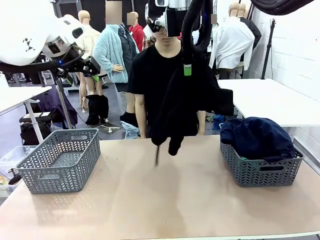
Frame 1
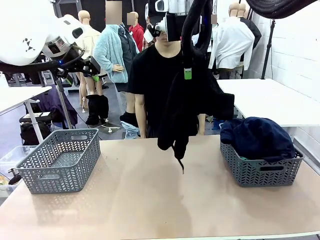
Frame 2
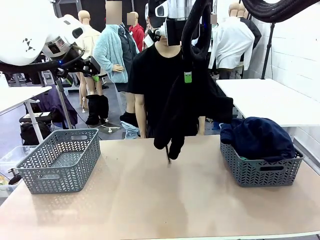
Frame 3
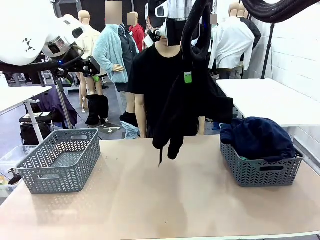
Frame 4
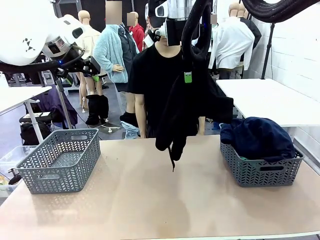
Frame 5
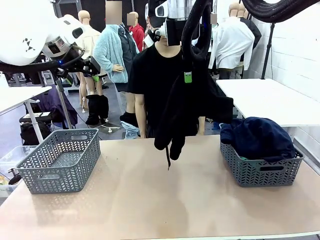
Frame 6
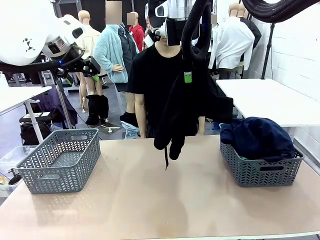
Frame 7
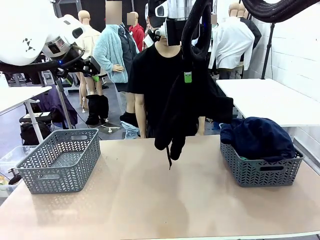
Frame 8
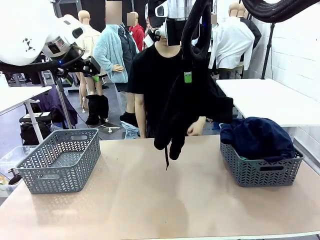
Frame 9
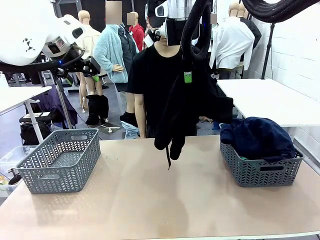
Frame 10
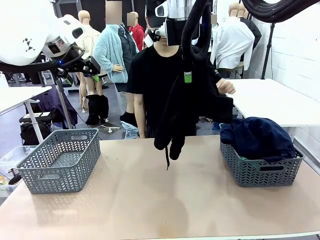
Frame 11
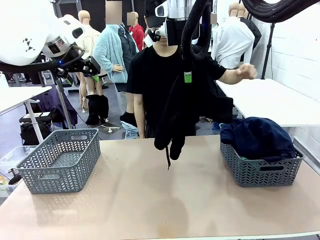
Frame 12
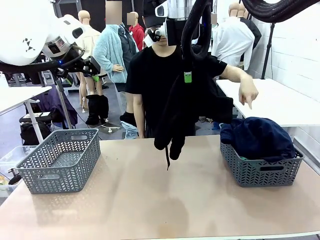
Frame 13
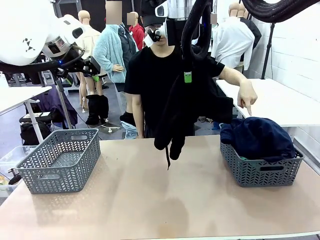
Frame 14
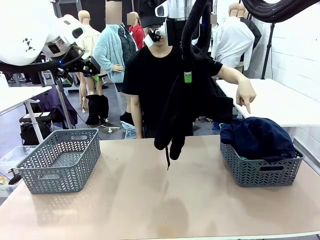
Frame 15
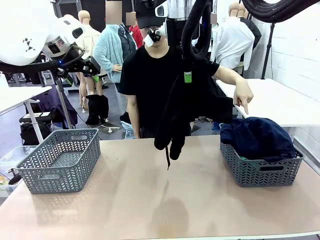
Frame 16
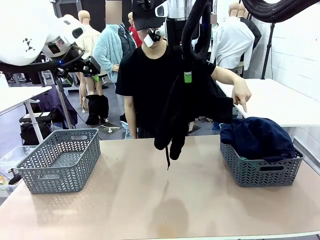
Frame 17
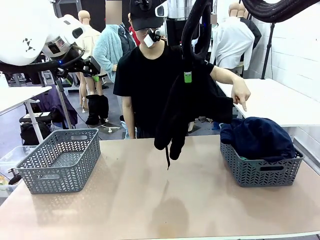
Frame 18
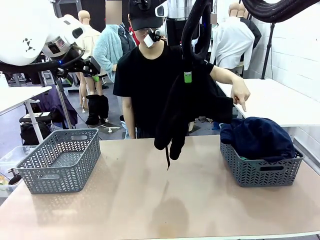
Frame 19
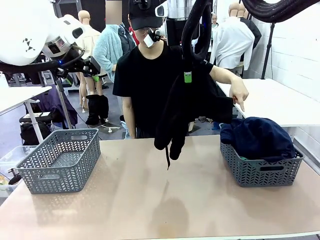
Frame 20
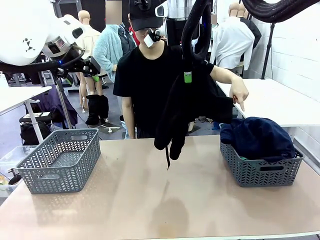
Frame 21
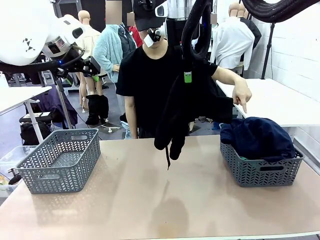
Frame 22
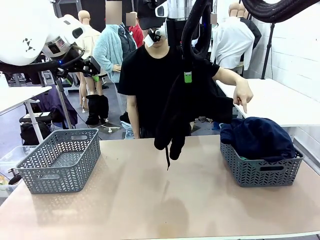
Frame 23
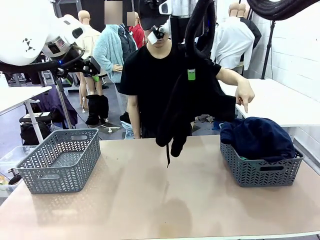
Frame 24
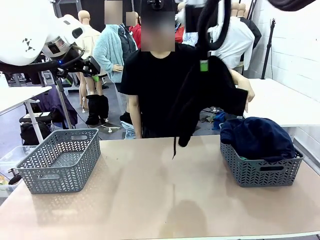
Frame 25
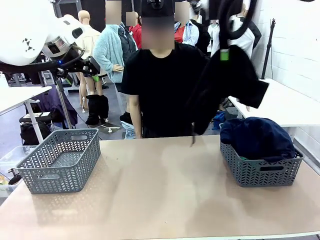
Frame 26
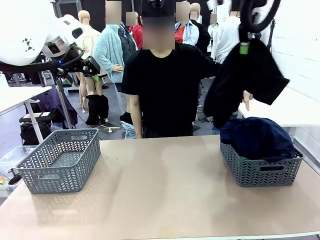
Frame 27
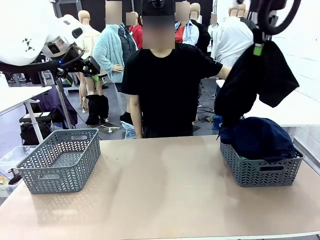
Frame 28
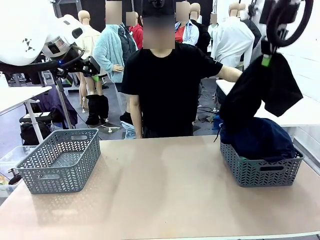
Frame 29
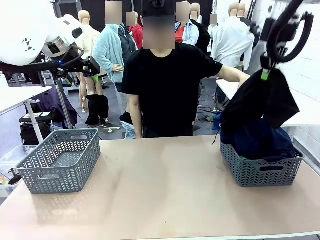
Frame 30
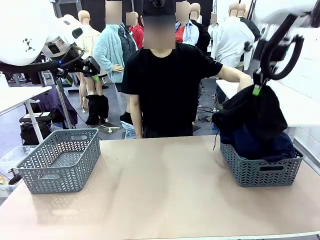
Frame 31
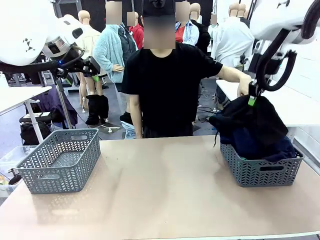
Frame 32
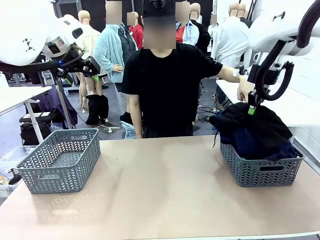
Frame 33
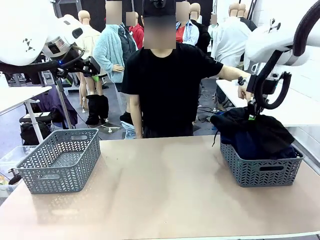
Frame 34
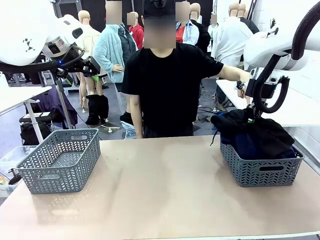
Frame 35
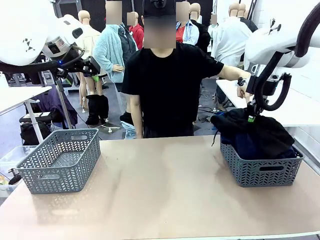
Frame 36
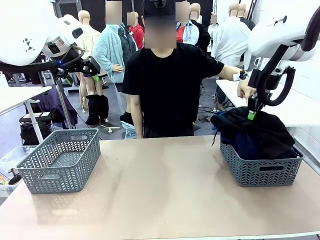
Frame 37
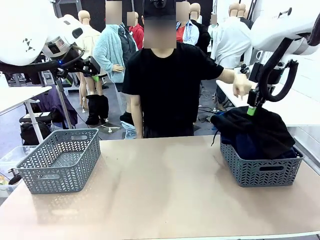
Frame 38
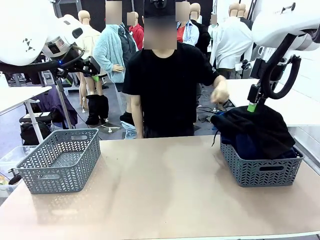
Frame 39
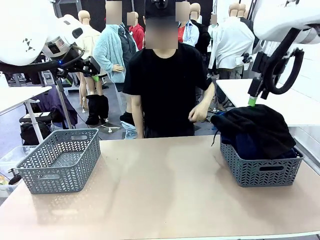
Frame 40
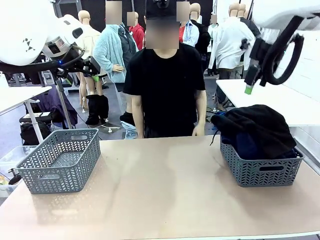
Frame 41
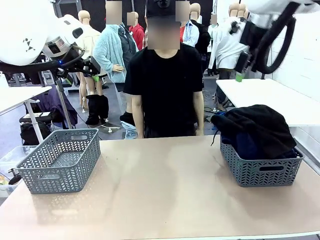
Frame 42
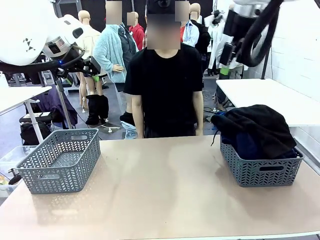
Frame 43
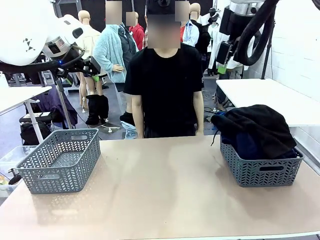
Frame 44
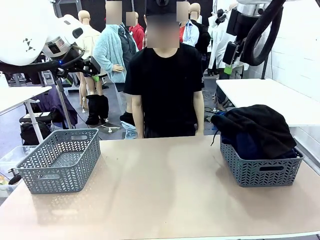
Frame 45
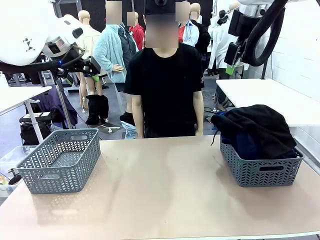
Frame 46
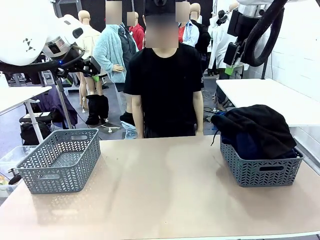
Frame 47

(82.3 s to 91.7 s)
Task: Sort the tops and bottoms.
Robot: Sort the clothes according to human instructions.

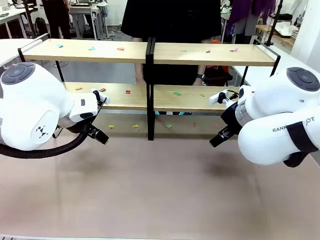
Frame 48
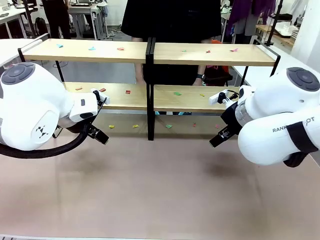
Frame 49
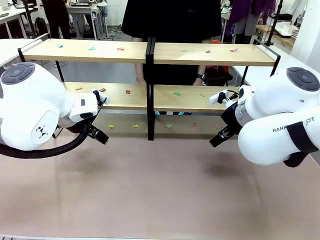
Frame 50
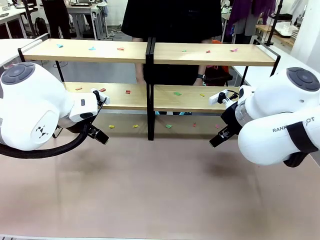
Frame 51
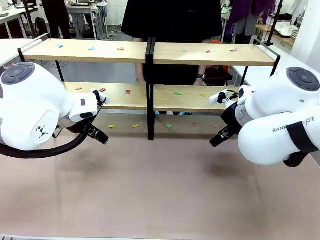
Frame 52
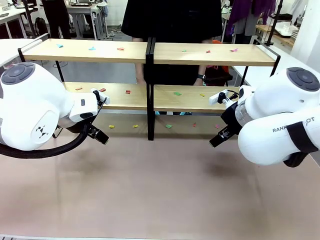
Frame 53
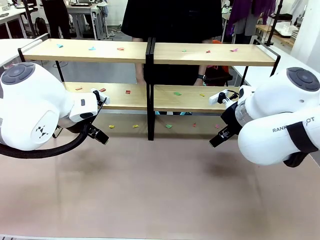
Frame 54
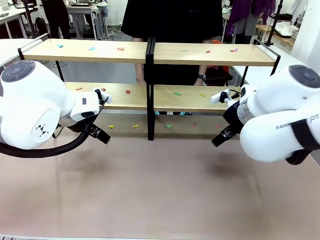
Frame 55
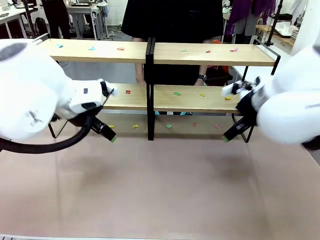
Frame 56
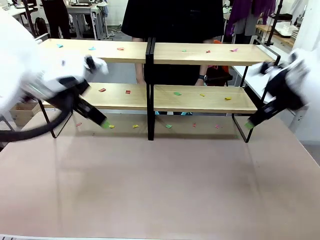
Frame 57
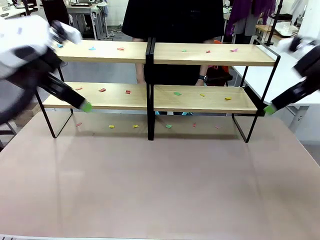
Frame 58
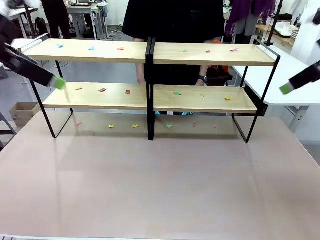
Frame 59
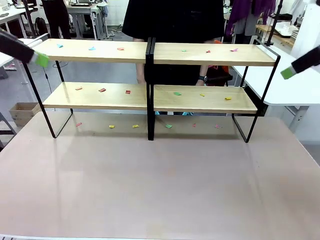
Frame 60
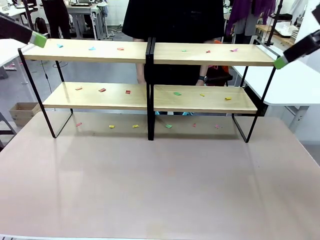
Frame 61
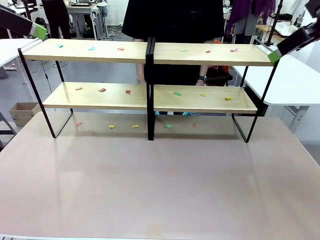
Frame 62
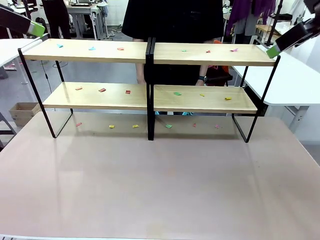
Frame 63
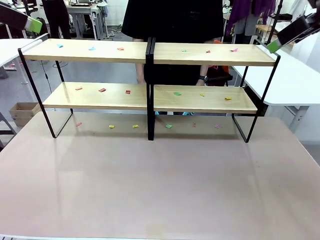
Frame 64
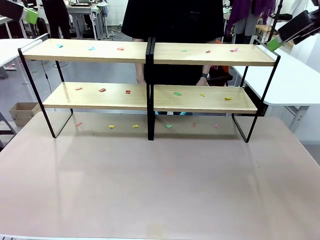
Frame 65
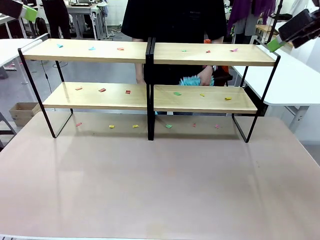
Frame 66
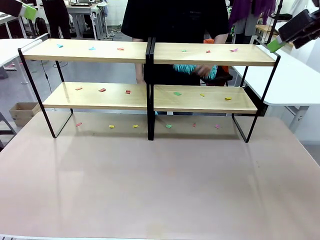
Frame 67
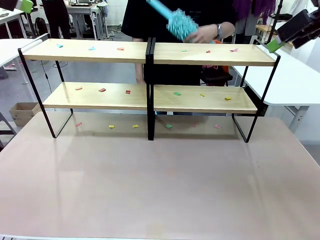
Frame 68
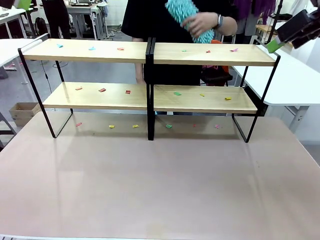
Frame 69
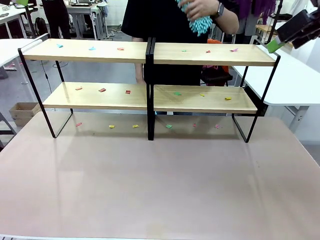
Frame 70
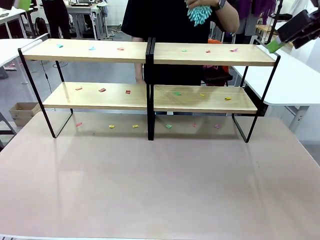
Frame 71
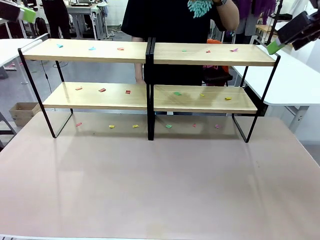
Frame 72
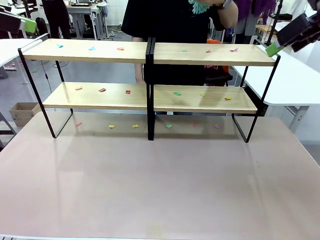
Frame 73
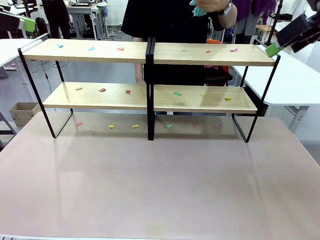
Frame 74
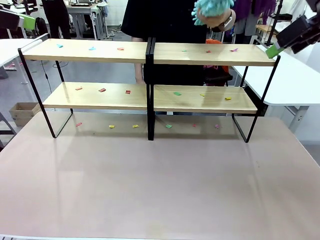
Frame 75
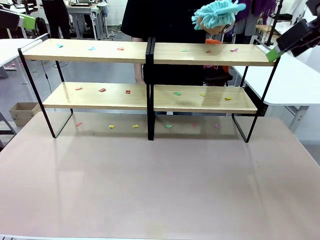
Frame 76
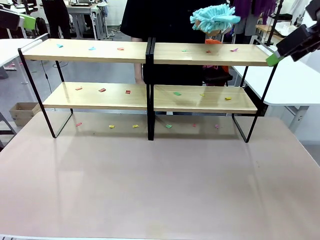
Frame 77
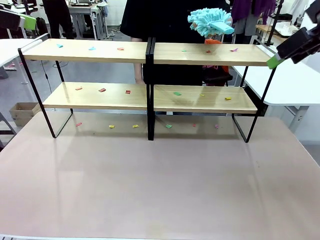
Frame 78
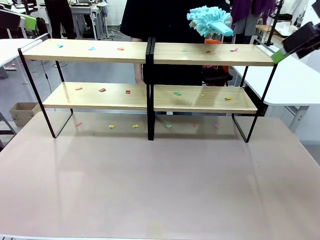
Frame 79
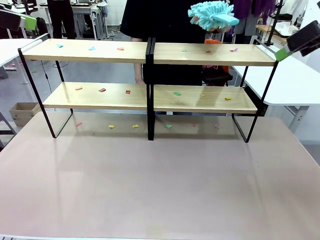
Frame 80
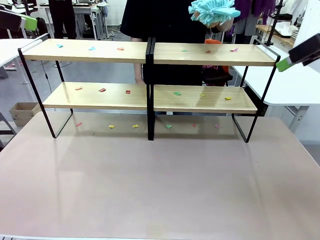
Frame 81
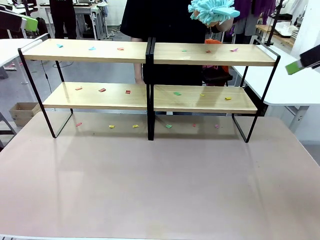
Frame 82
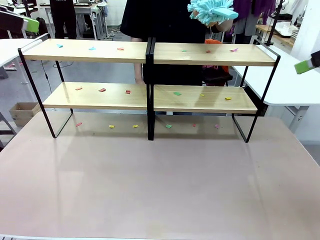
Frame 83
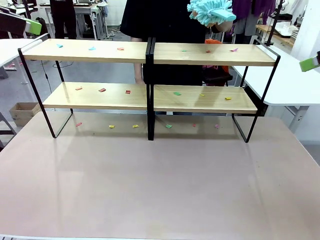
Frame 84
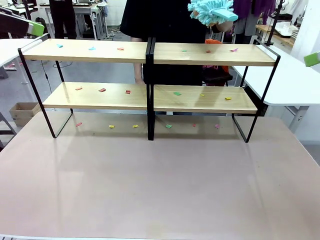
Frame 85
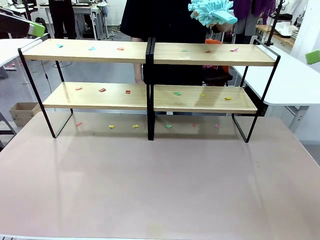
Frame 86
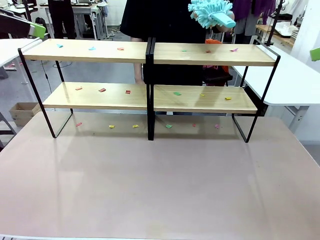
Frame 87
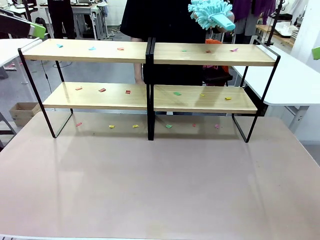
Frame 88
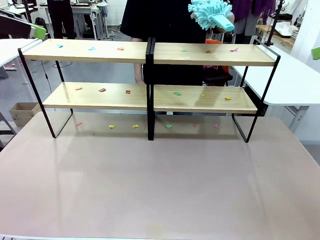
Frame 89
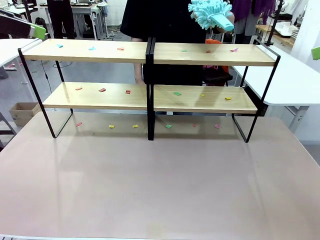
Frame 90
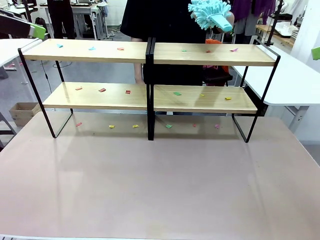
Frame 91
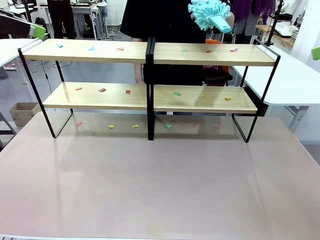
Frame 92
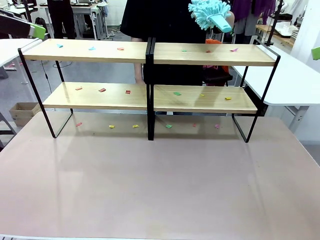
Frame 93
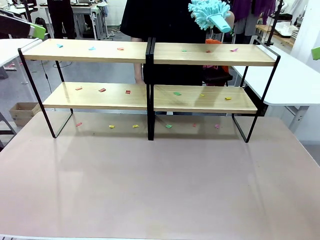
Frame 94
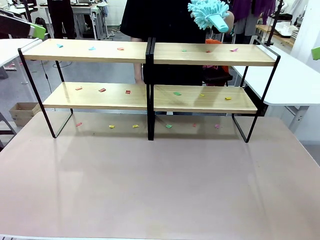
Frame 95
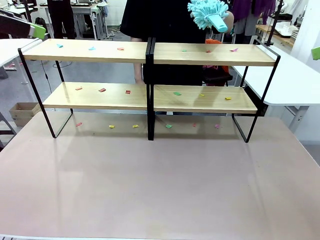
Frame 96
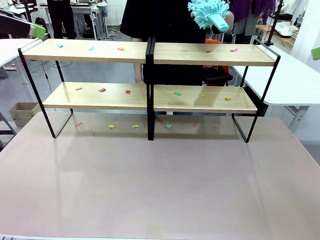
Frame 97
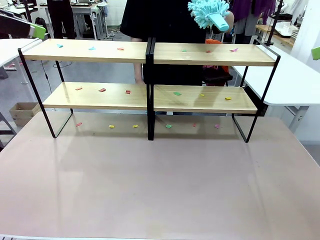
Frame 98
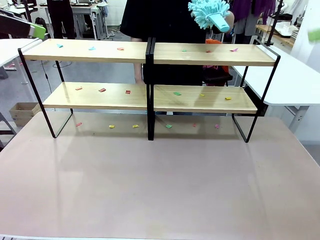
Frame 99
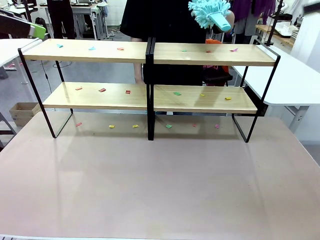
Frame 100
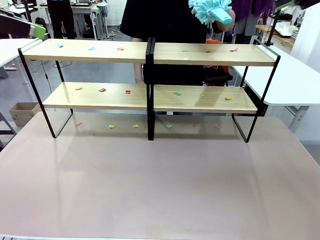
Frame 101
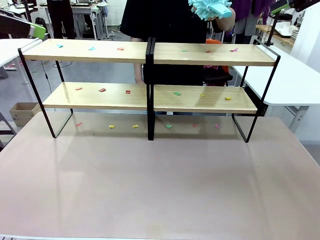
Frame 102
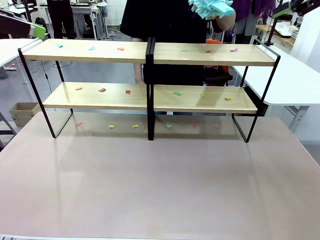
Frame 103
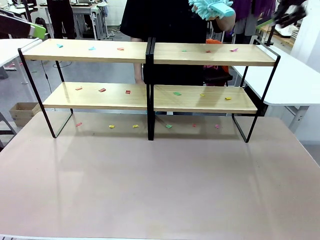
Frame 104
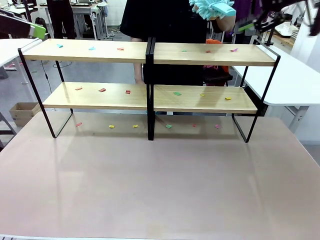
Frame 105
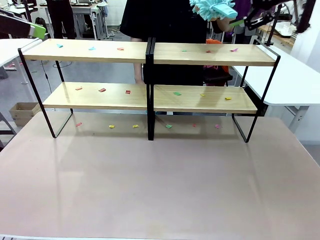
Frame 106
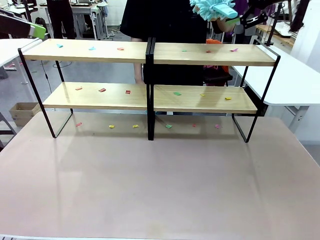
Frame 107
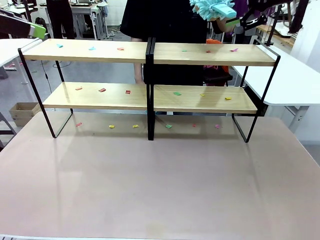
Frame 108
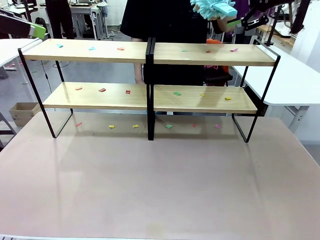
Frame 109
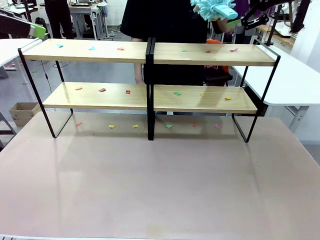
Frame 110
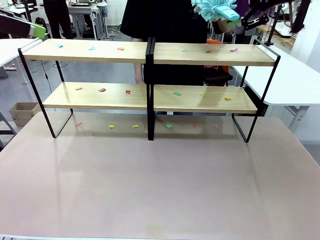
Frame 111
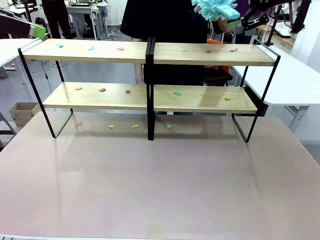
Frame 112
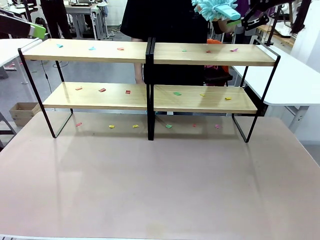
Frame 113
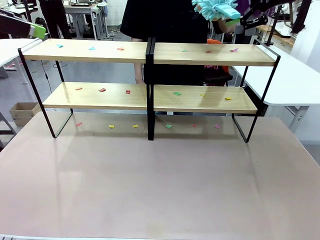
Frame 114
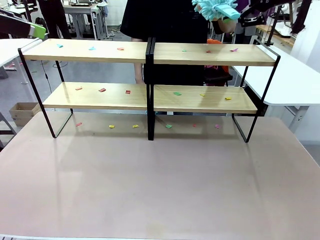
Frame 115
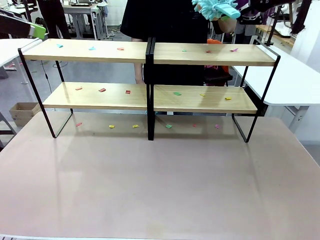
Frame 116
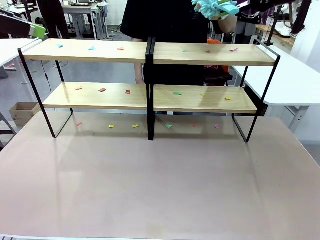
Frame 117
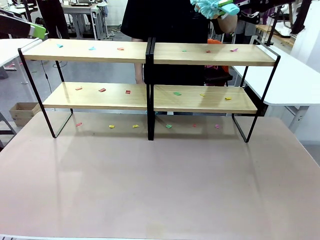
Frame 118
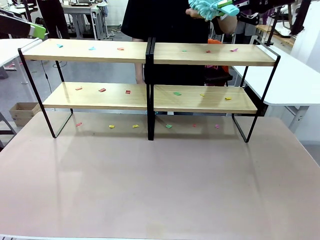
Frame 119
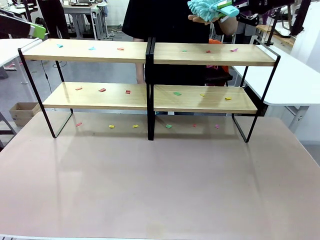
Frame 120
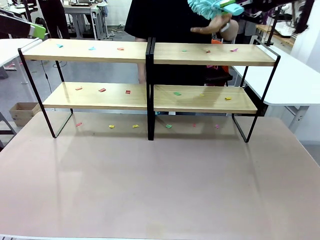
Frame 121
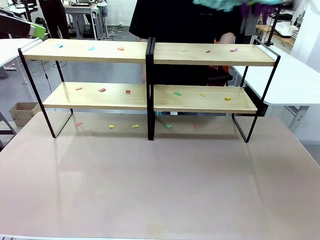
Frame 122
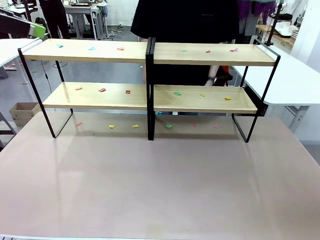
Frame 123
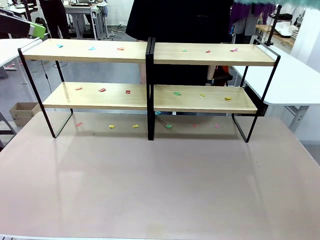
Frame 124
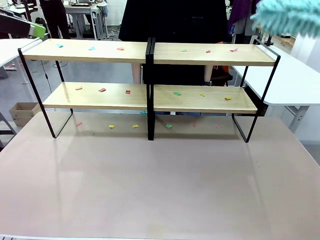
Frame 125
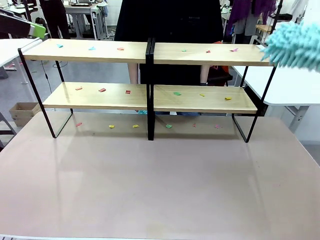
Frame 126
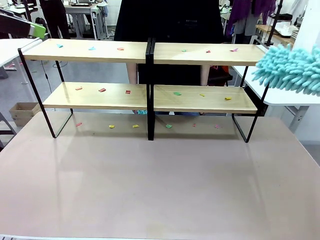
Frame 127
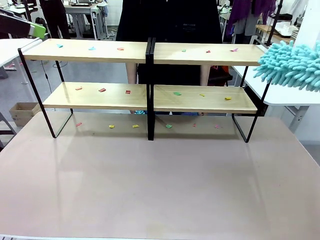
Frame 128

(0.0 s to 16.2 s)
Task: Clean the shelves.
Robot: Pick up the Duster when the human hands it over.
Person: Hand the Duster to the robot with your right (or left) hand.
